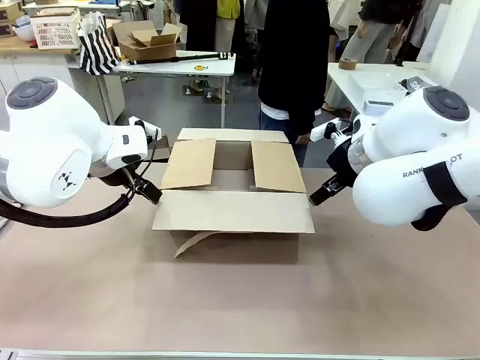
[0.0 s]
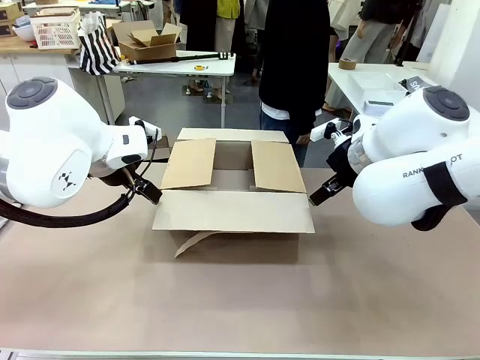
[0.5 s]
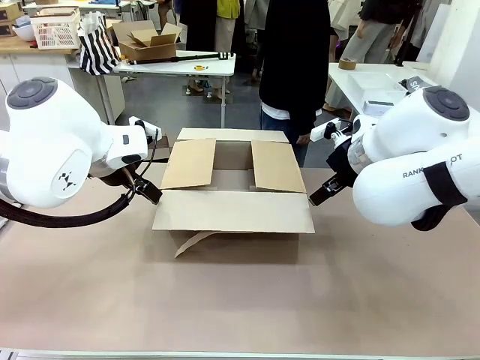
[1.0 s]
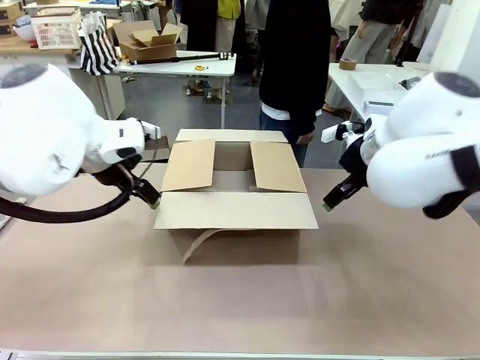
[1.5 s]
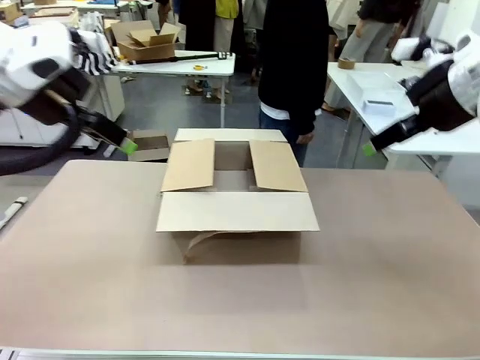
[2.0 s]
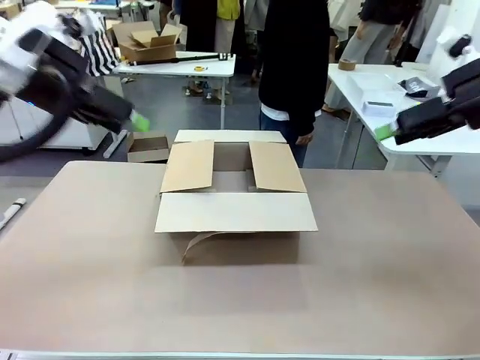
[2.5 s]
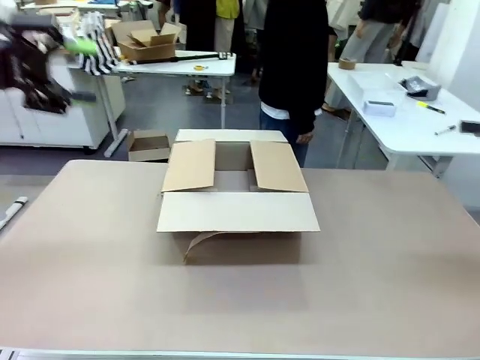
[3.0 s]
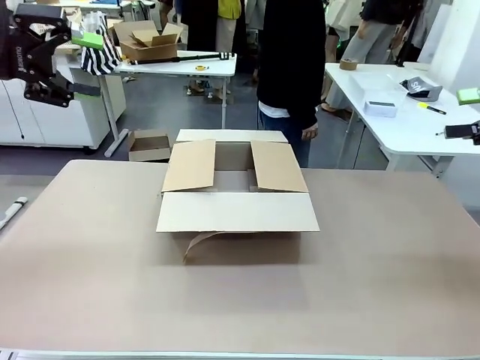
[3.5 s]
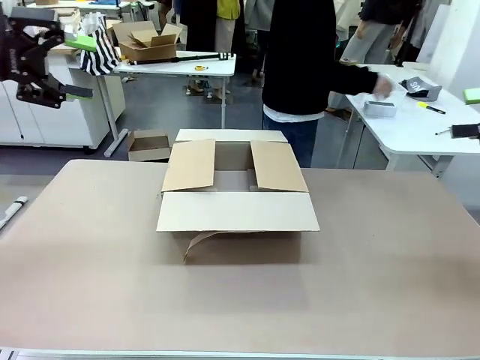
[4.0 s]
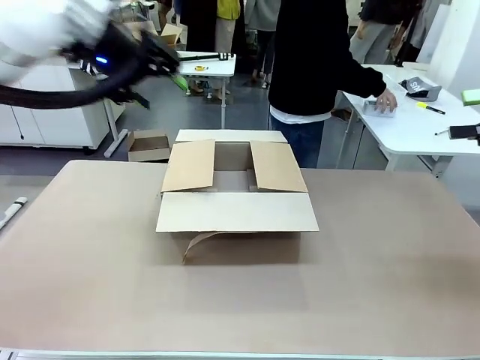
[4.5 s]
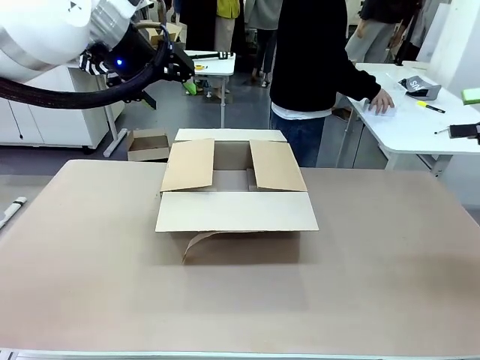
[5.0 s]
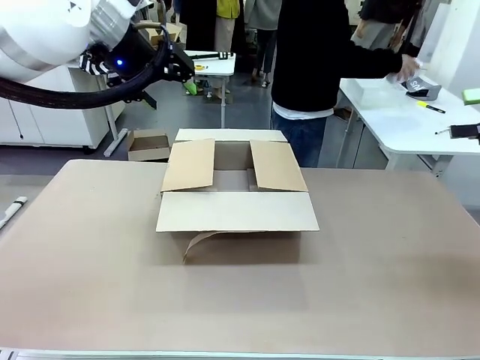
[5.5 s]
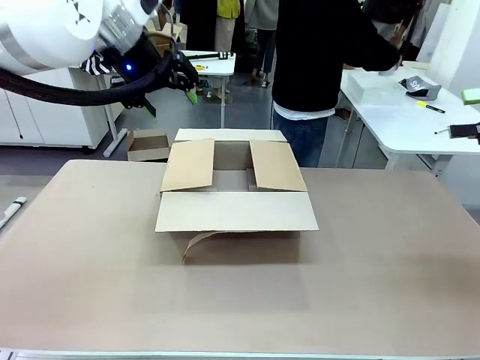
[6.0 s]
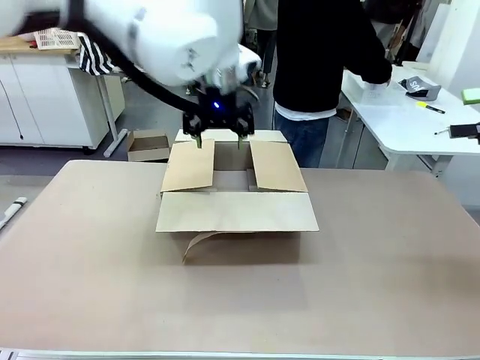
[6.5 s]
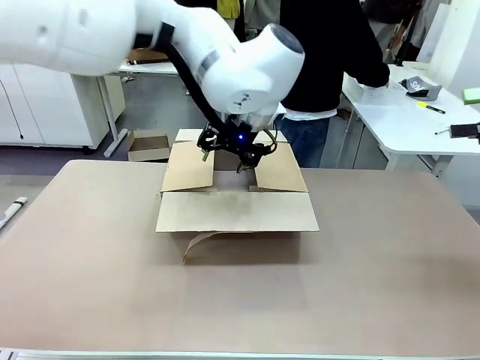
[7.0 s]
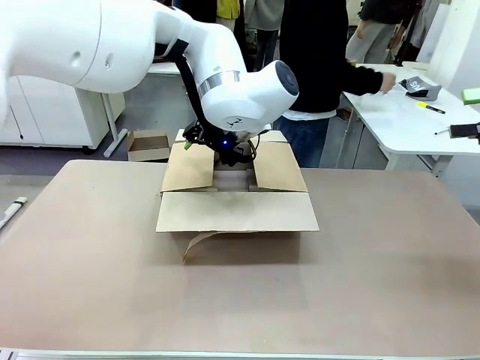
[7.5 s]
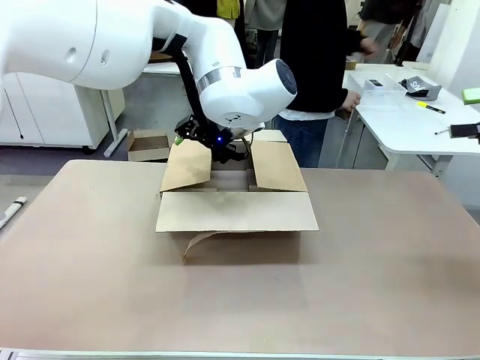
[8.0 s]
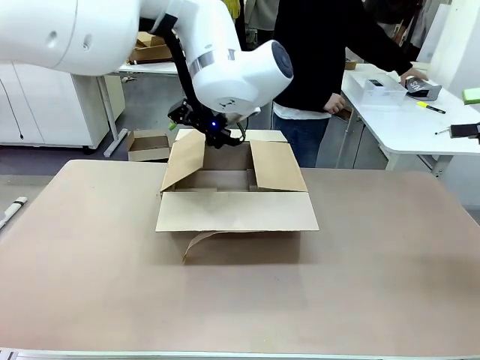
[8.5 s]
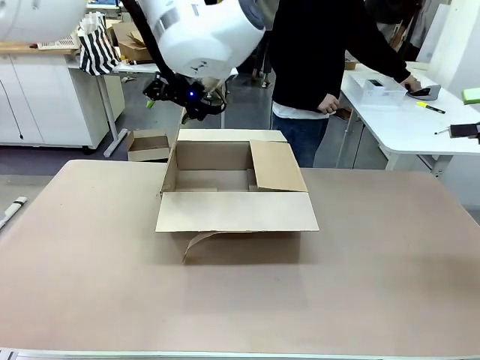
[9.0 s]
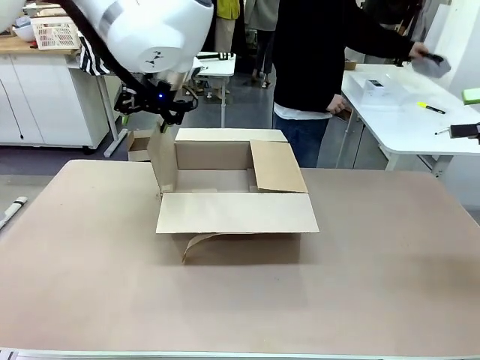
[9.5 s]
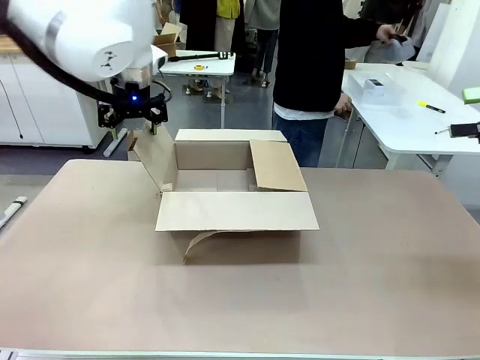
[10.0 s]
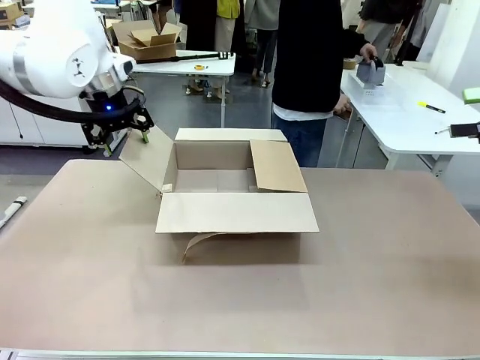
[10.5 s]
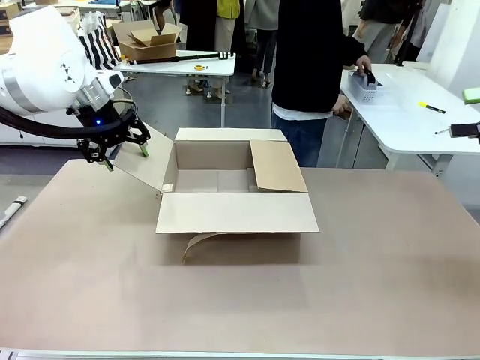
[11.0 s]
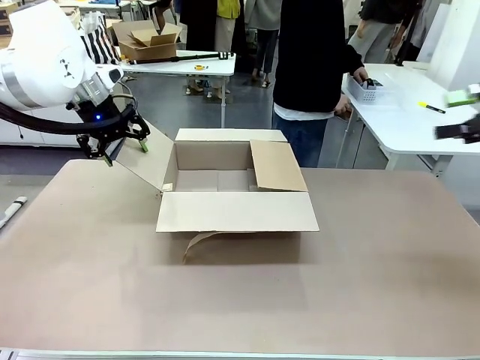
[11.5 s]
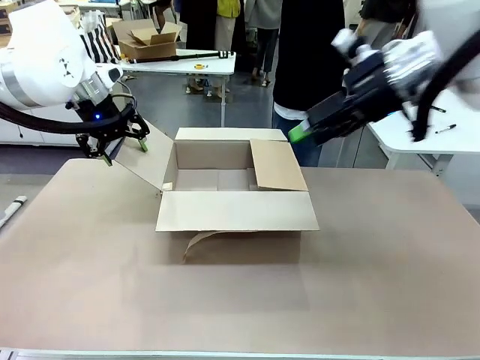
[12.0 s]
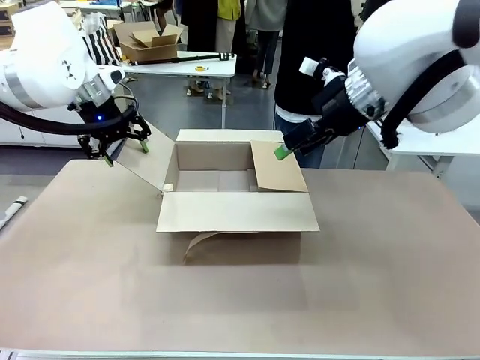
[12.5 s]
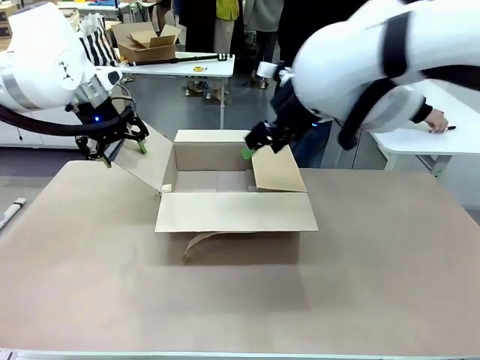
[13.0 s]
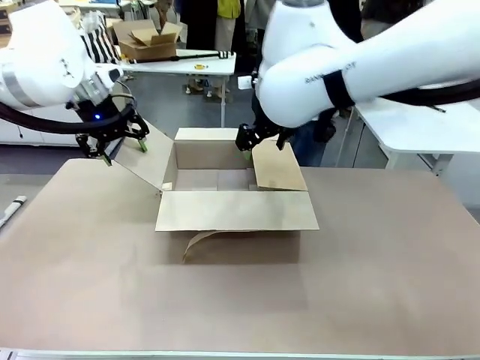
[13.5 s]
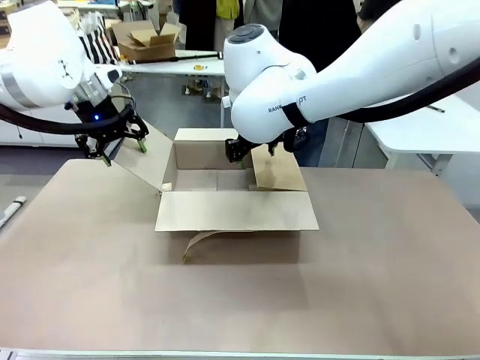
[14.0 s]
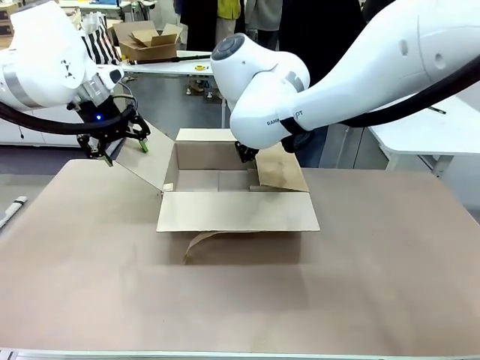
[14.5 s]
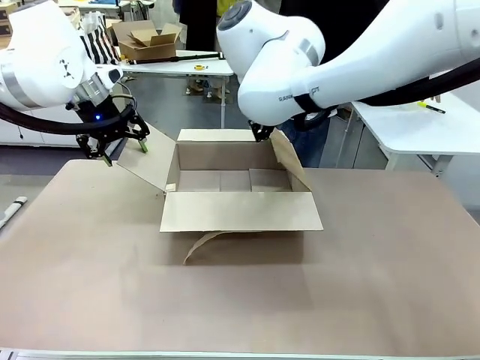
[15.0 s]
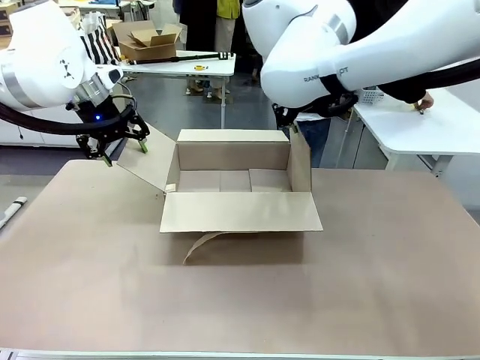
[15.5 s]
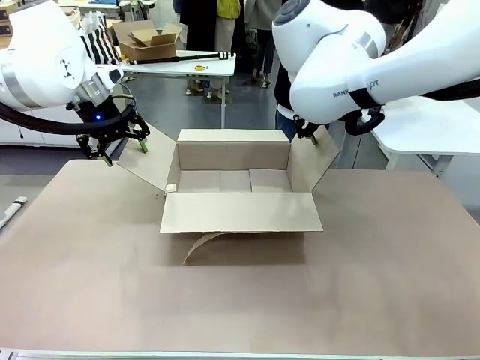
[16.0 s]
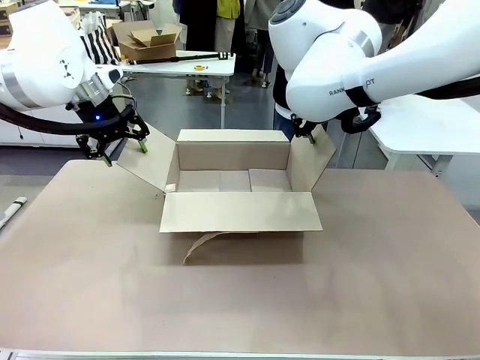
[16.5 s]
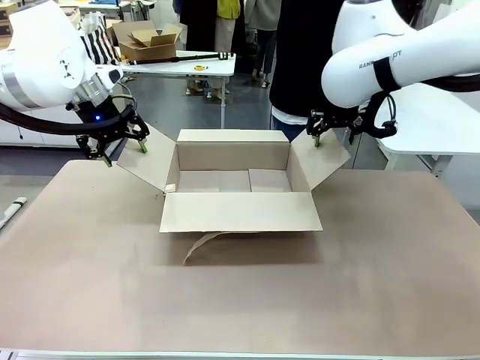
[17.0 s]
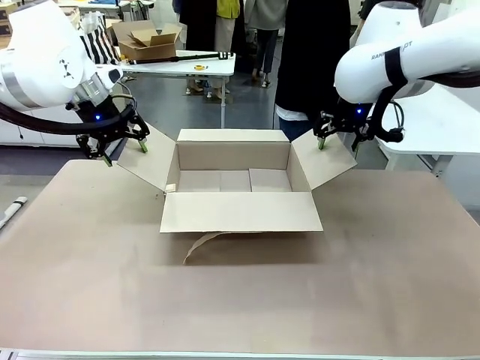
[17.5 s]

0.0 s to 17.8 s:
Task: Pack the gift set into the box.
Robot: Place both hands on the side flaps of the Package Box and spread them outward.
Person: The human places all items except the paper tape into the organizing basket.

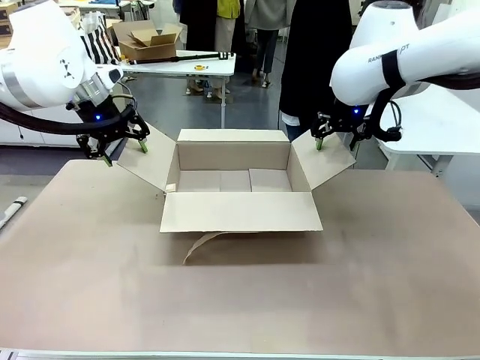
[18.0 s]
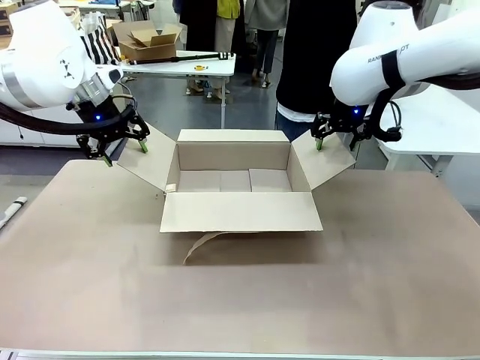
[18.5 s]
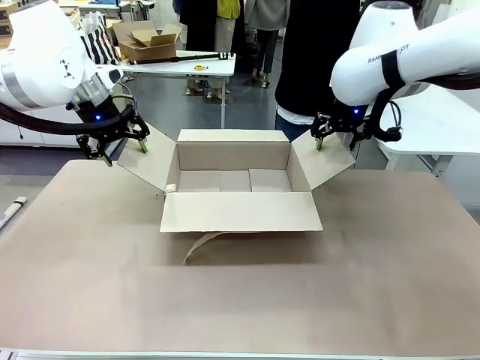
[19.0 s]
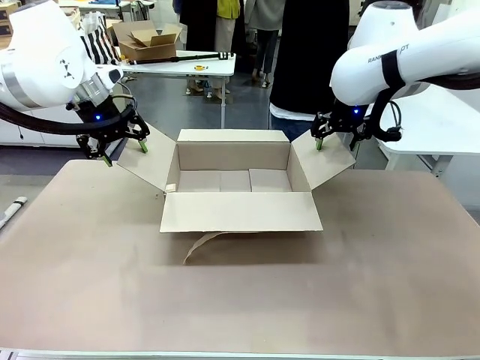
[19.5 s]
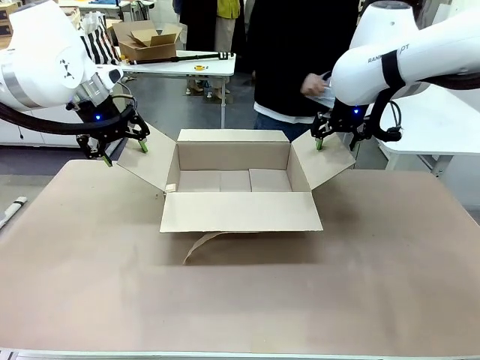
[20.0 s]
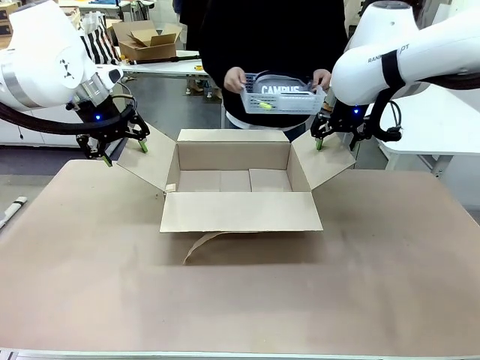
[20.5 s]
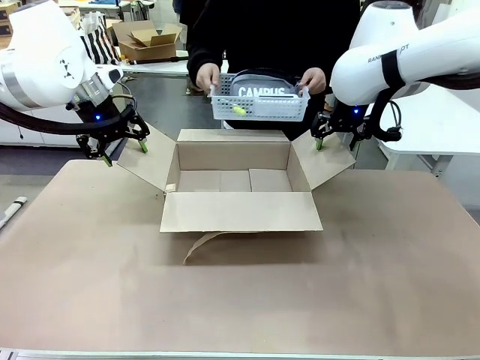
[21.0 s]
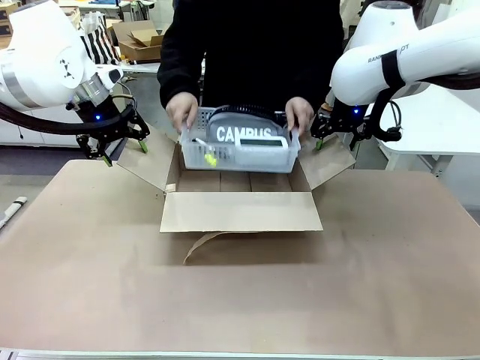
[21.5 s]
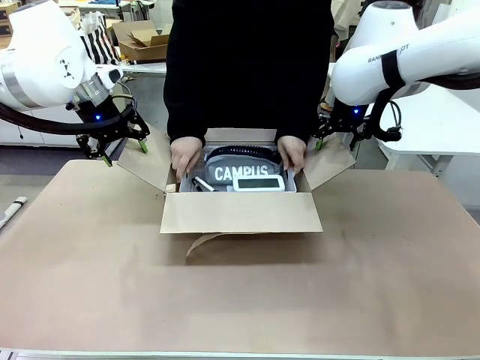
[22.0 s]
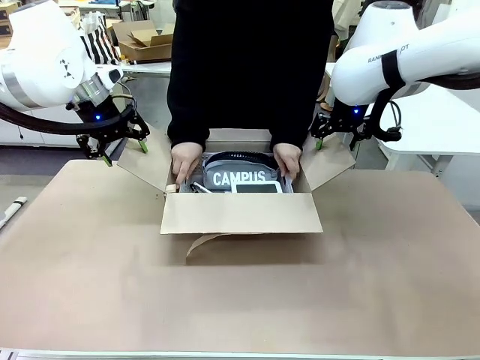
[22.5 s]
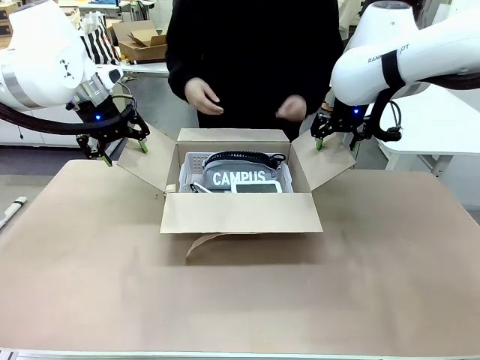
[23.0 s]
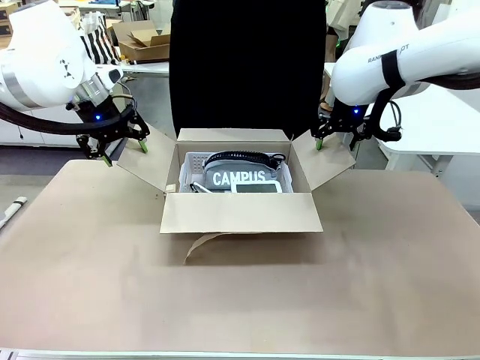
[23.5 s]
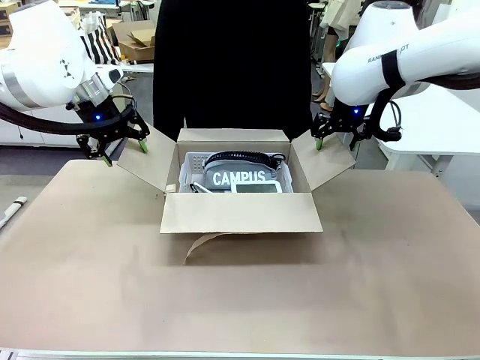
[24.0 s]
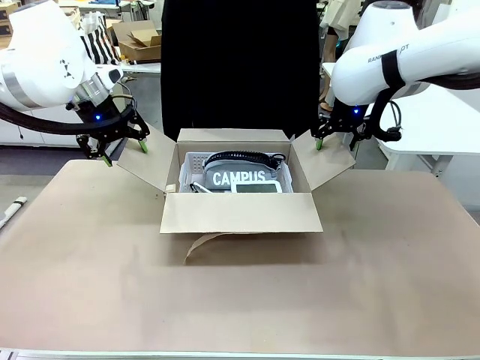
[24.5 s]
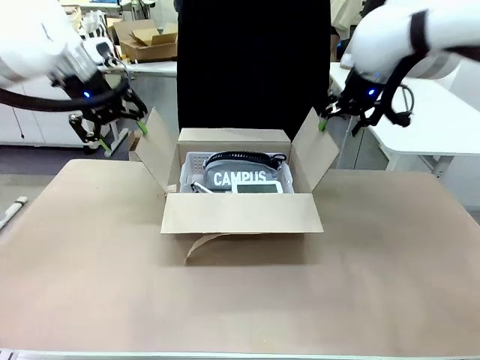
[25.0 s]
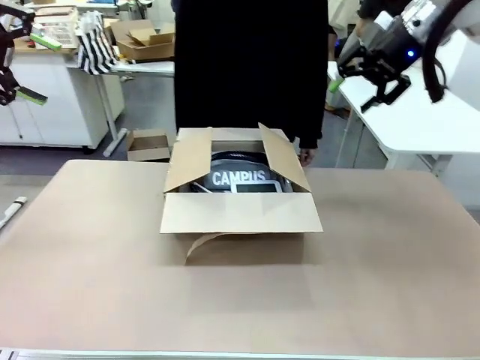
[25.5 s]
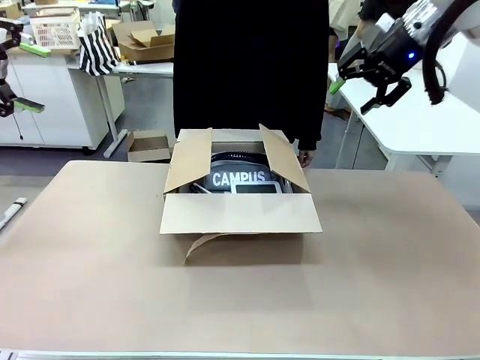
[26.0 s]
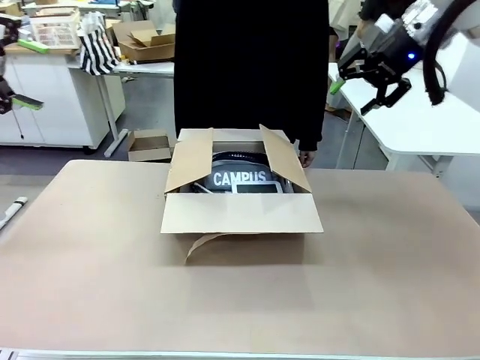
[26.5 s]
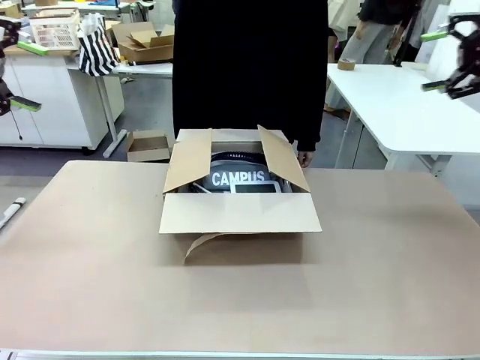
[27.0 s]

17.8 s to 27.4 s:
Robot: Lift both hands away from the flaps of the Package Box.
Person: The human picks up the organizing basket and places the organizing basket into the package box on the robot table.
